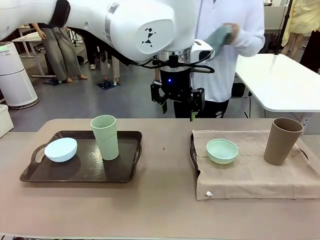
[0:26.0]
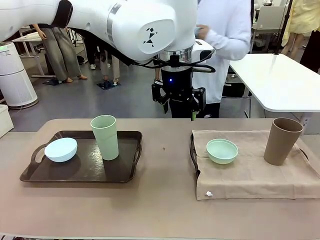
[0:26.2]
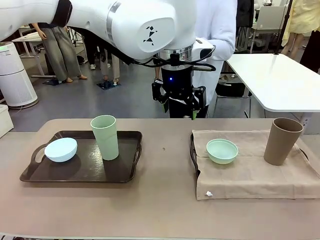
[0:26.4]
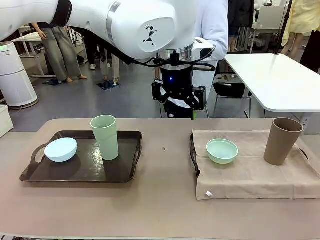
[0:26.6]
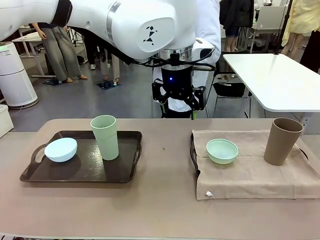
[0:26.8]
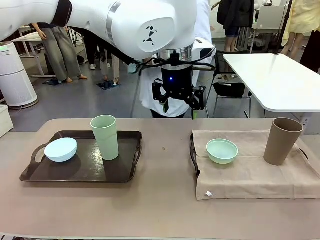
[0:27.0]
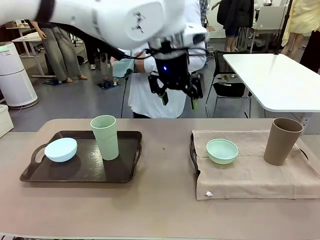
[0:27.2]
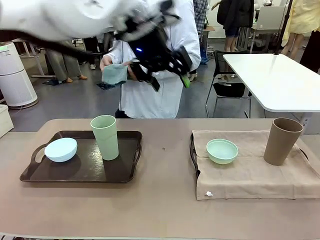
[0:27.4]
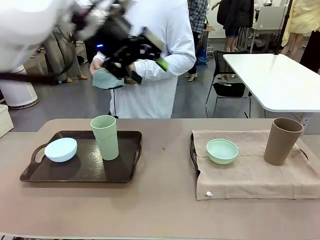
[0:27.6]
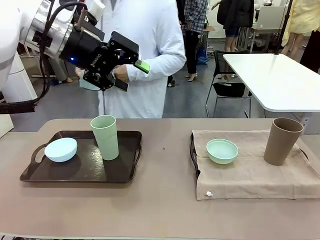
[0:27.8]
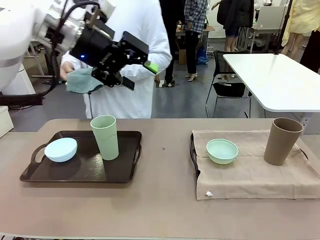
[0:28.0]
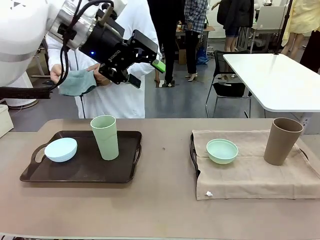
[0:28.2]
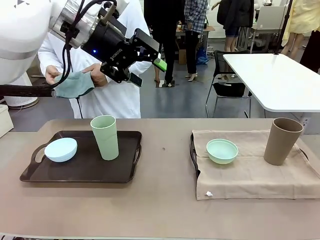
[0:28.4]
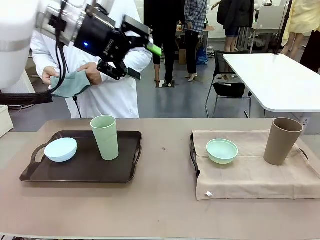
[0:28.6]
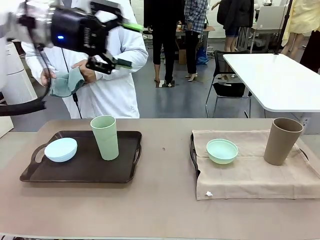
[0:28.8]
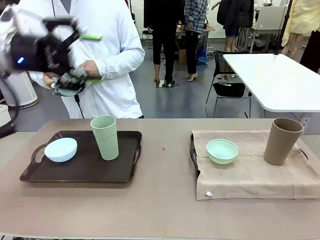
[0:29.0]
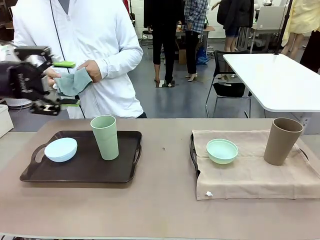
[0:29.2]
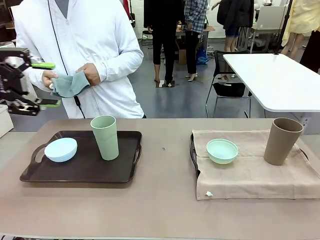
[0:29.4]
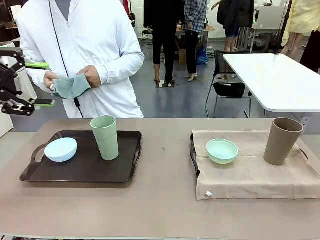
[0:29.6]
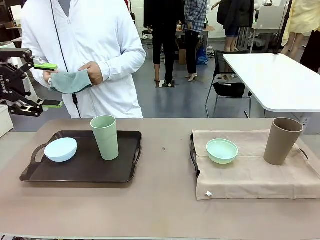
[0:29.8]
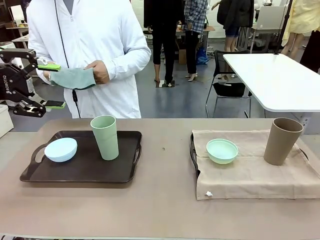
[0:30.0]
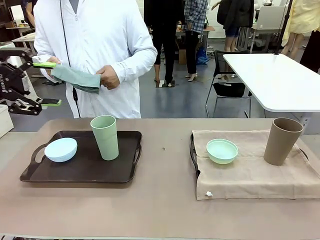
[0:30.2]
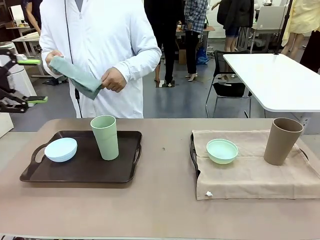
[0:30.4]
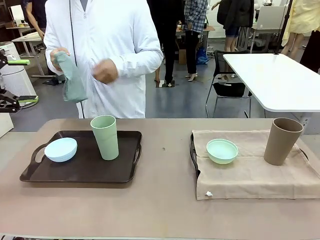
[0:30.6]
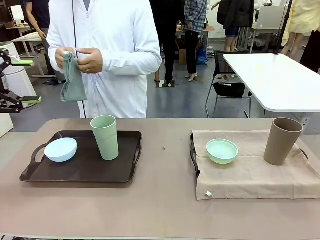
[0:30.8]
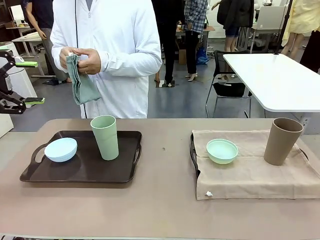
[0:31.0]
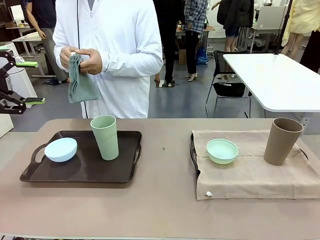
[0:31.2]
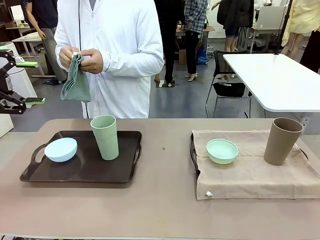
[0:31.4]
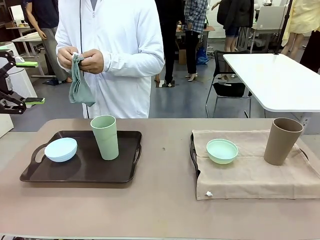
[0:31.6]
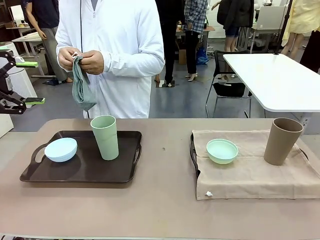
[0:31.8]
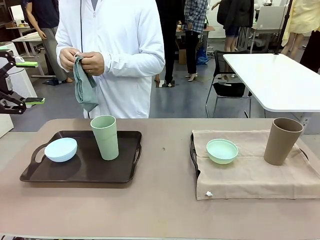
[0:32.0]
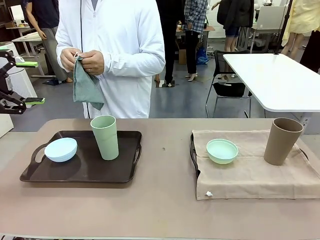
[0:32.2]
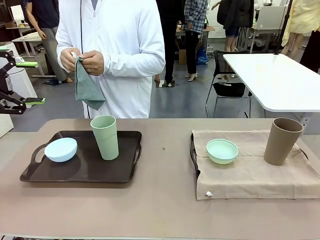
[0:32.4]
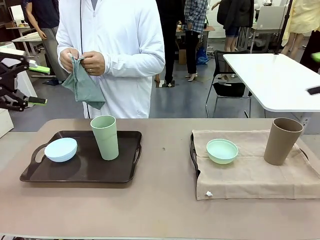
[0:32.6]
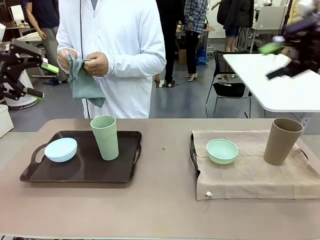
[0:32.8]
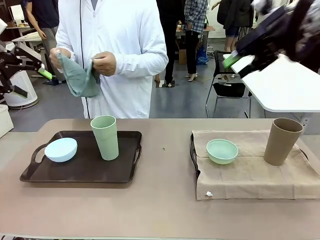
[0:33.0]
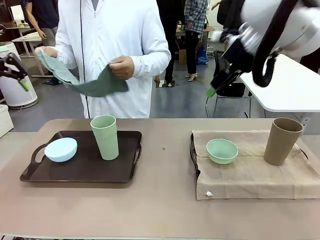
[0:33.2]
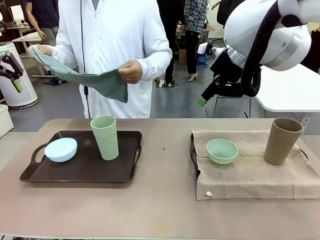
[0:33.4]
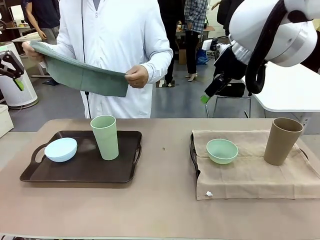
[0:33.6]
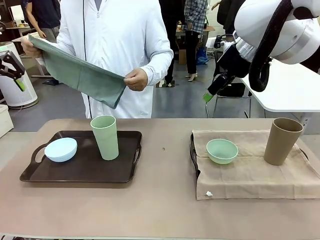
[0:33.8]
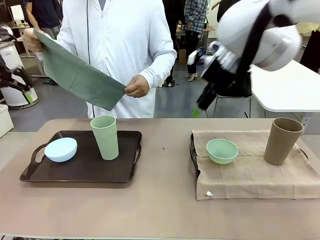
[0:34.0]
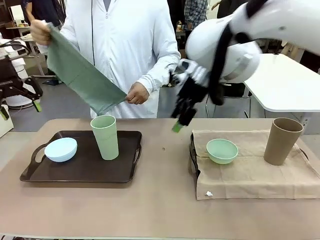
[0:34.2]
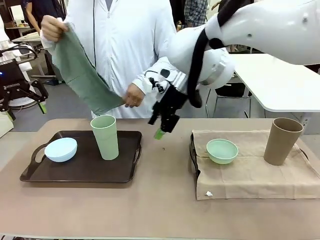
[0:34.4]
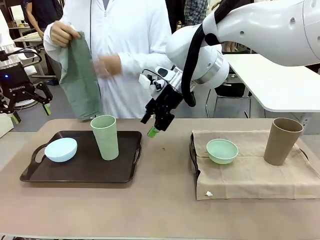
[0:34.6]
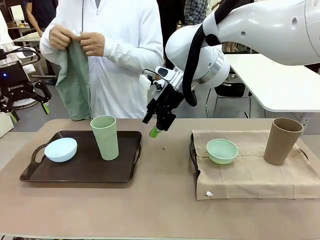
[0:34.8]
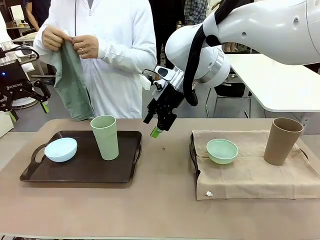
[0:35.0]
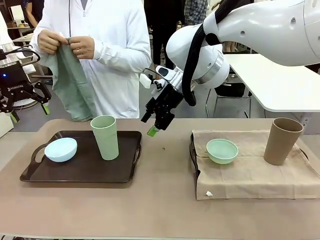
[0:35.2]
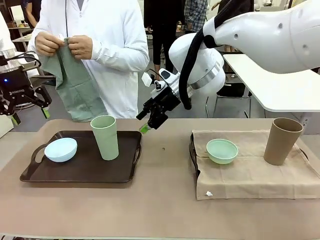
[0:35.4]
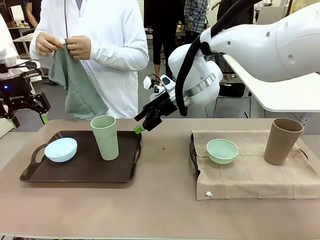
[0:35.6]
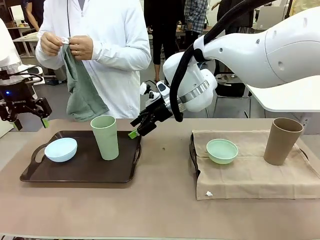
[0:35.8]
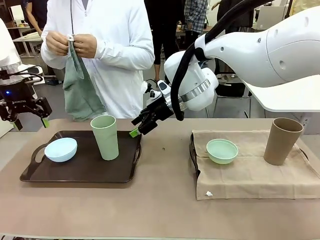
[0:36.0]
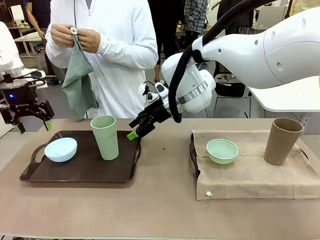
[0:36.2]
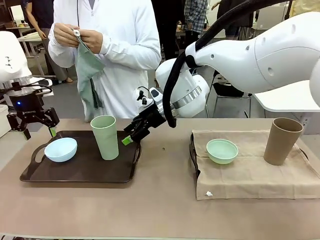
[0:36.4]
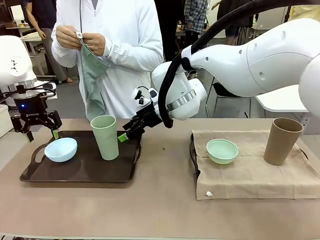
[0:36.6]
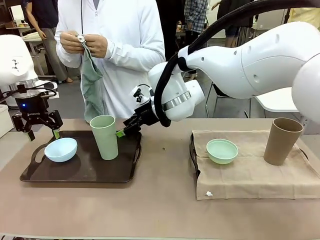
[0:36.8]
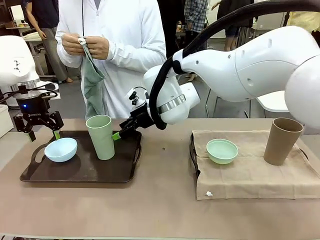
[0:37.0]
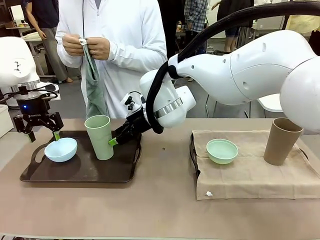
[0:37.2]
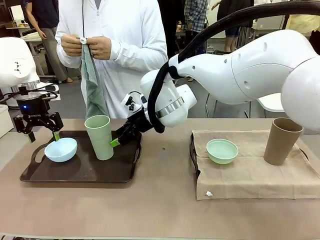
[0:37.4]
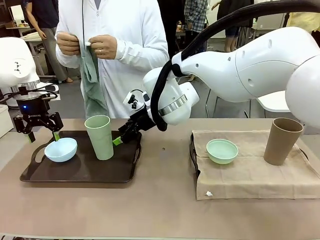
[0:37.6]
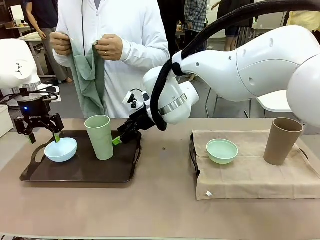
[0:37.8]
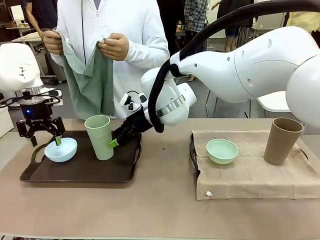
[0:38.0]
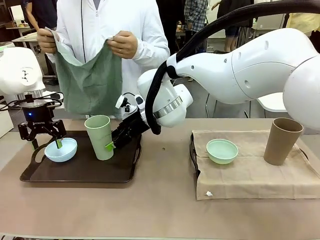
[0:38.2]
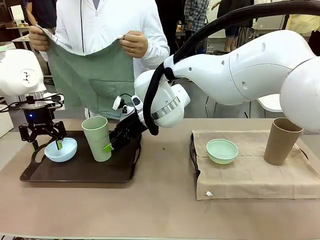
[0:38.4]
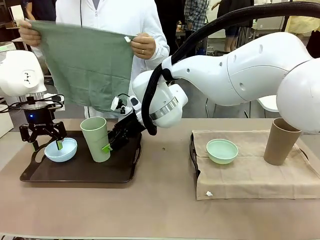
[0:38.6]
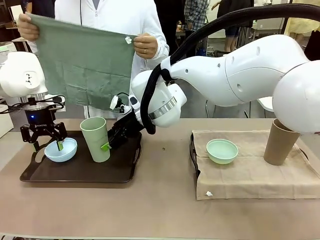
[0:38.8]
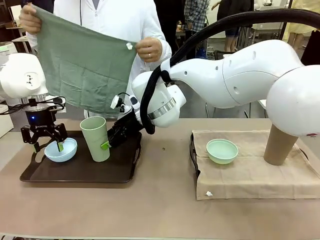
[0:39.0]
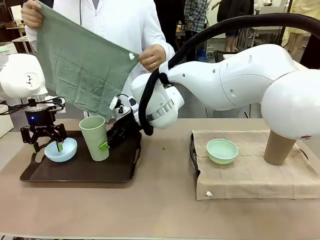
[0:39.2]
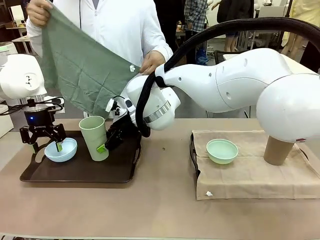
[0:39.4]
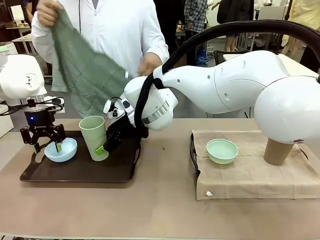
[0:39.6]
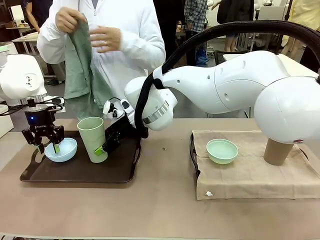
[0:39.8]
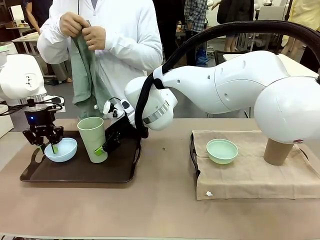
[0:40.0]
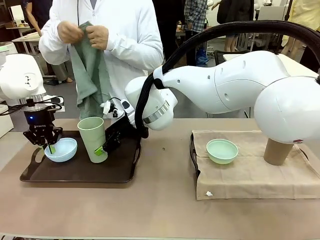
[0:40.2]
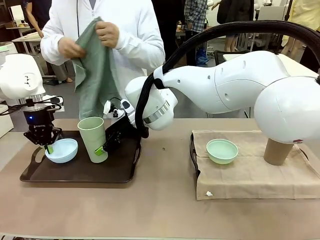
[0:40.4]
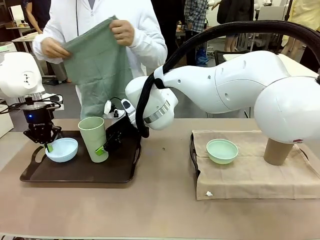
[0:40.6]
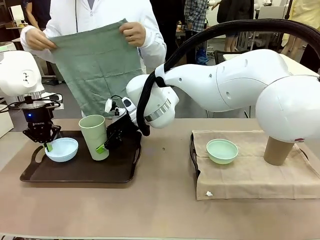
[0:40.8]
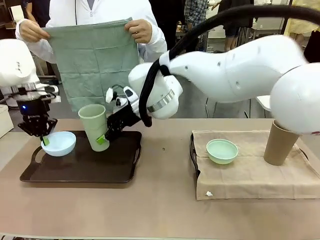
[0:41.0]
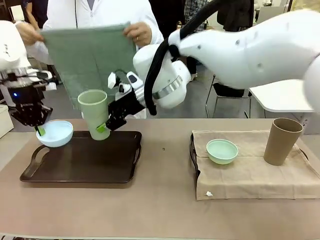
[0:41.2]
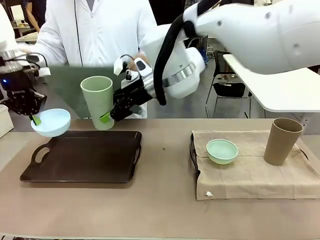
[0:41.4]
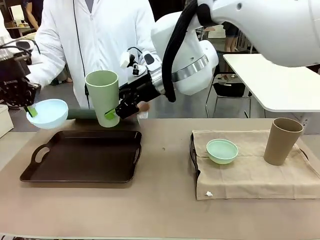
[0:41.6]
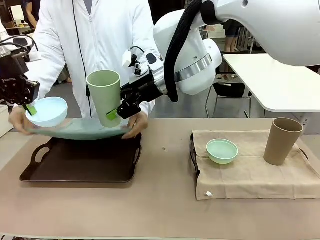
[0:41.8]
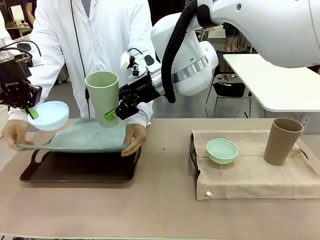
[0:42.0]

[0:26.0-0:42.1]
Robot: Pick up the Picnic Bowl and Reusable plastic cup from the Handle tray in front of the human's position and hold them in the air.
Person: When the robot lifts the bowl and the cup, the human unfolds the napkin and lays the napkin flat on the tray.

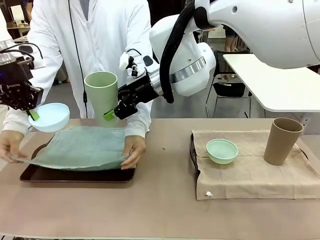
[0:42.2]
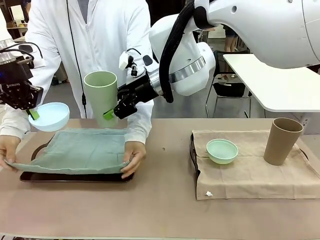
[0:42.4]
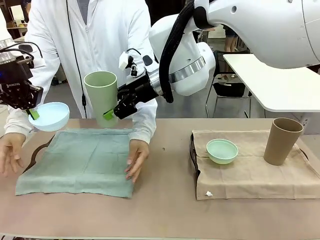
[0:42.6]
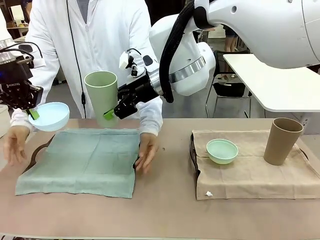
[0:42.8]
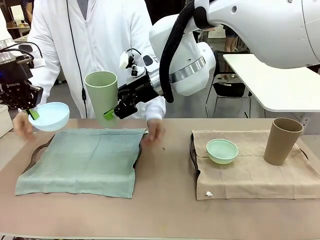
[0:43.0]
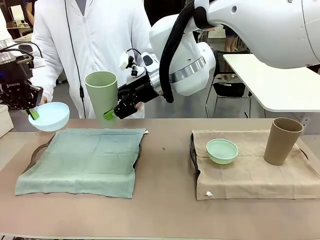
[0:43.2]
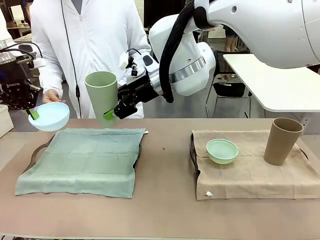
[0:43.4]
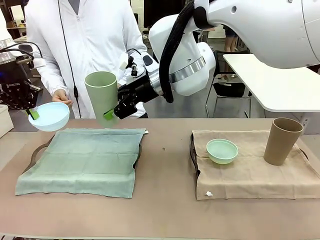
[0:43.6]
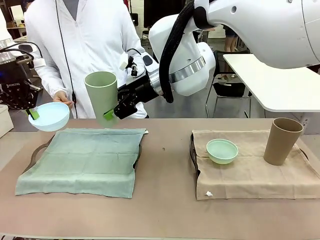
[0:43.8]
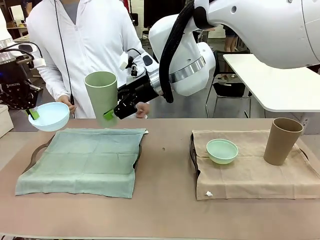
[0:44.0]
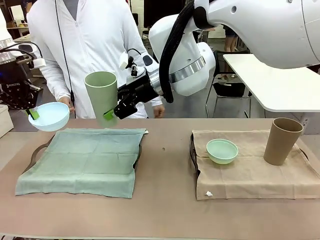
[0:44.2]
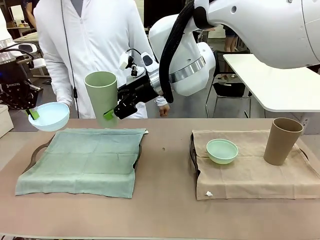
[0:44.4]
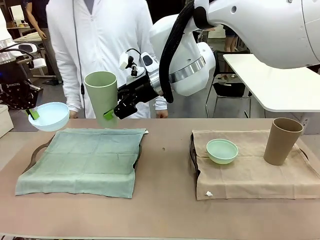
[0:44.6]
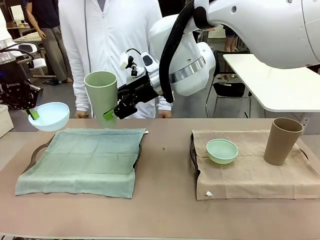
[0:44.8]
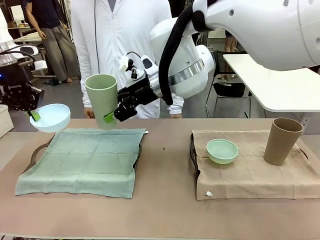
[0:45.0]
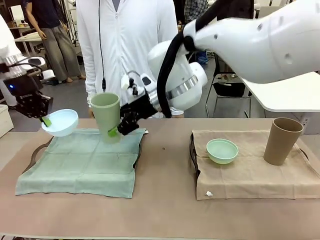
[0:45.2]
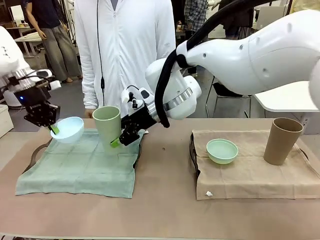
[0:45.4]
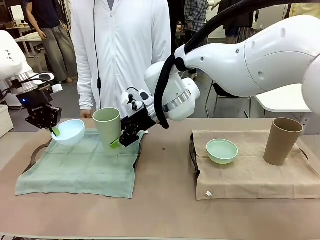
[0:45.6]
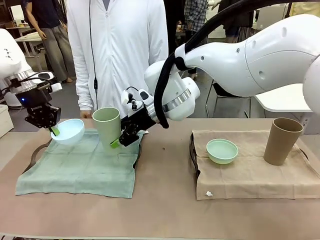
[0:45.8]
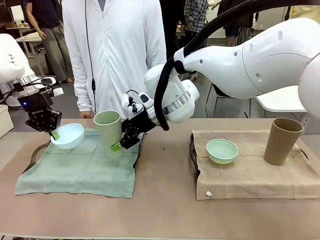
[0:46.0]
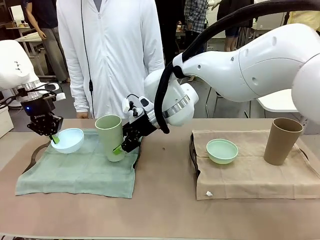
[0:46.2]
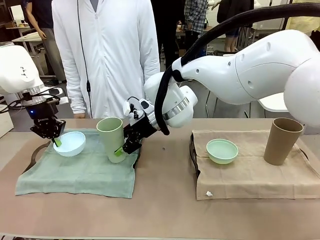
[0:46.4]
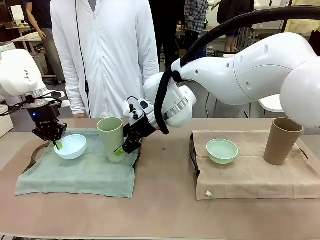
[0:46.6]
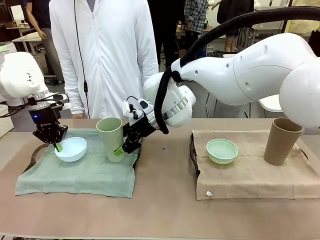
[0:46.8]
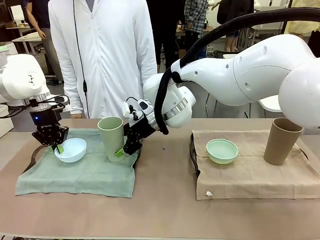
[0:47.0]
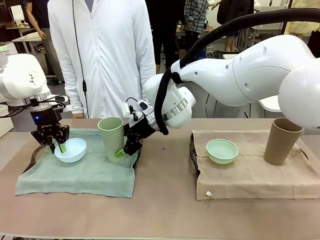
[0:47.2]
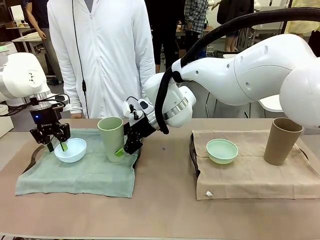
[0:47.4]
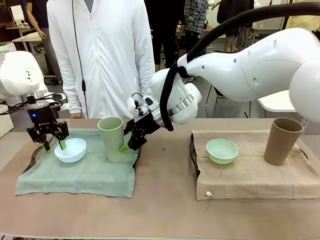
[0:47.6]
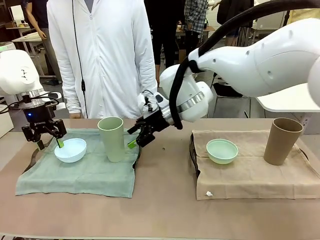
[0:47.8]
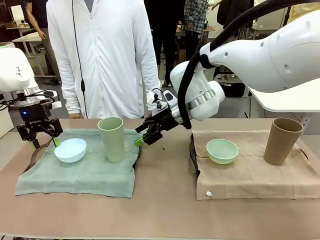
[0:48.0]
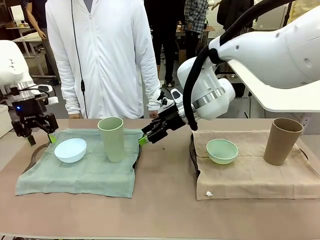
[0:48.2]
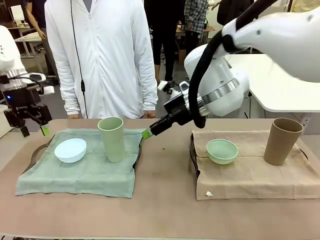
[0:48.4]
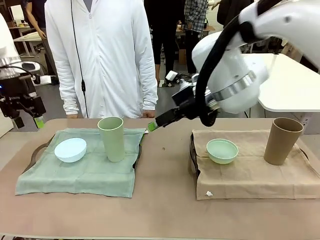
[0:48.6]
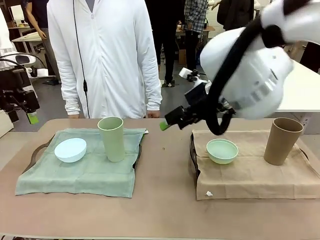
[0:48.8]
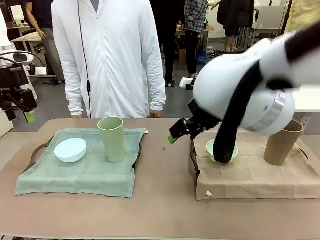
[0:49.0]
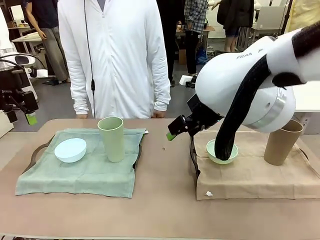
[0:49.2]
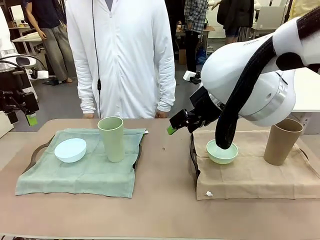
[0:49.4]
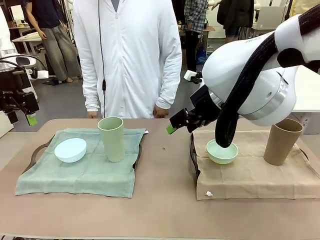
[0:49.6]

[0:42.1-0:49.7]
Robot: Place the Picnic Bowl and Reusable plastic cup back onto the Handle tray in front of the human's position.
